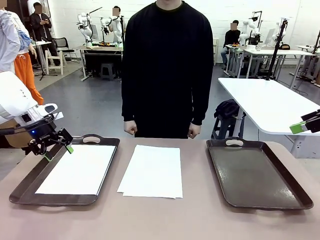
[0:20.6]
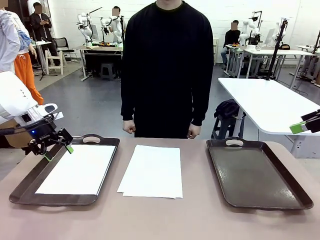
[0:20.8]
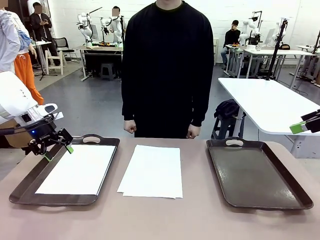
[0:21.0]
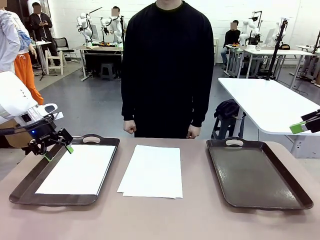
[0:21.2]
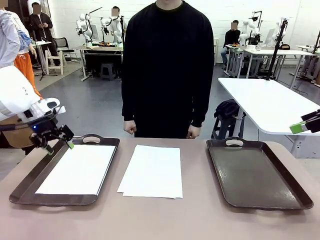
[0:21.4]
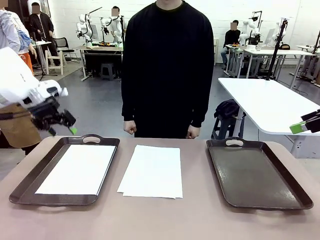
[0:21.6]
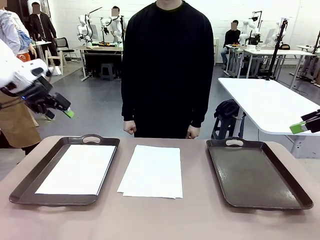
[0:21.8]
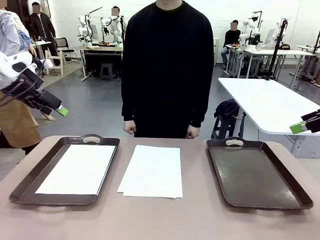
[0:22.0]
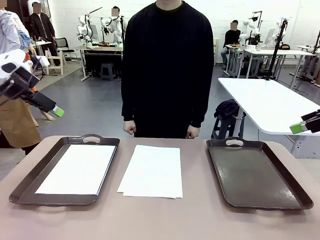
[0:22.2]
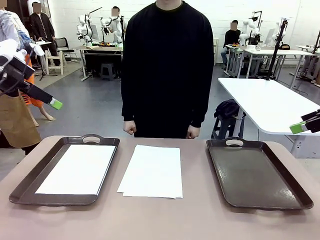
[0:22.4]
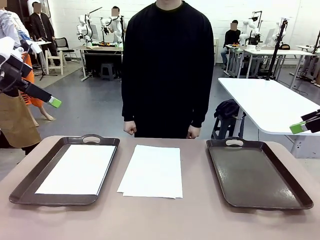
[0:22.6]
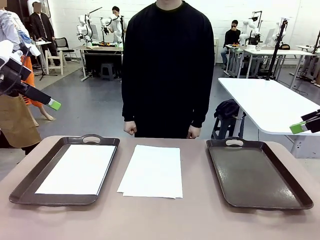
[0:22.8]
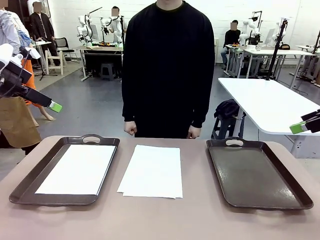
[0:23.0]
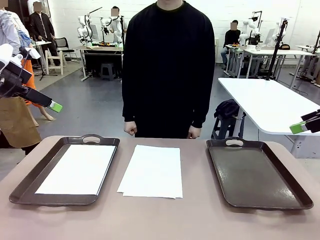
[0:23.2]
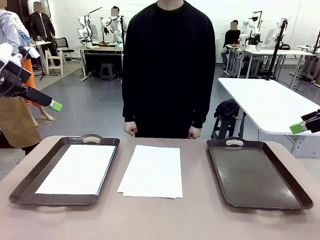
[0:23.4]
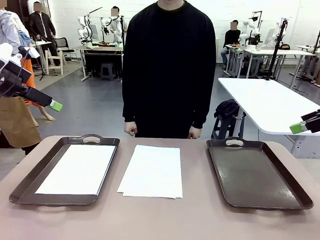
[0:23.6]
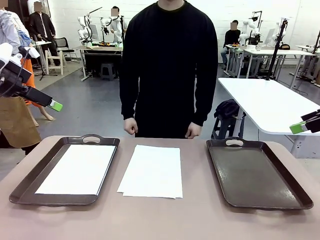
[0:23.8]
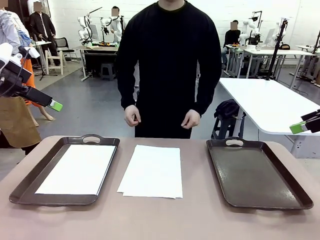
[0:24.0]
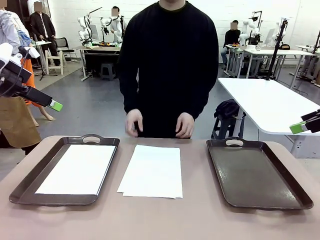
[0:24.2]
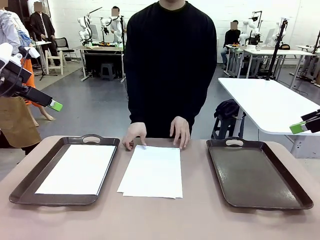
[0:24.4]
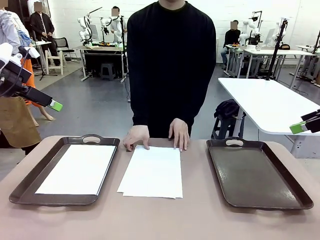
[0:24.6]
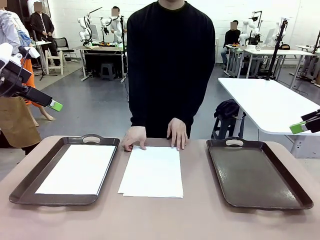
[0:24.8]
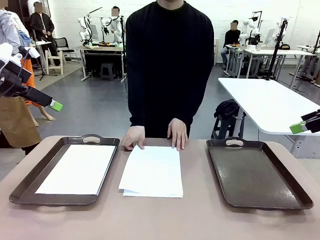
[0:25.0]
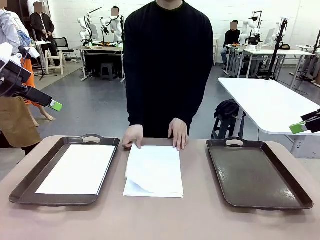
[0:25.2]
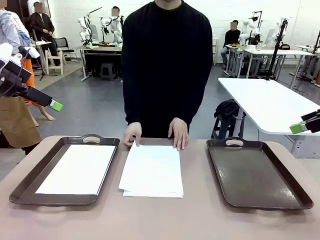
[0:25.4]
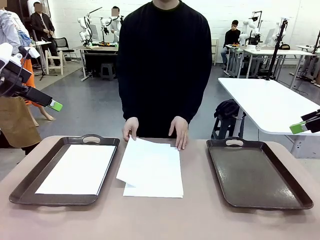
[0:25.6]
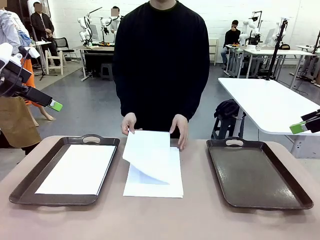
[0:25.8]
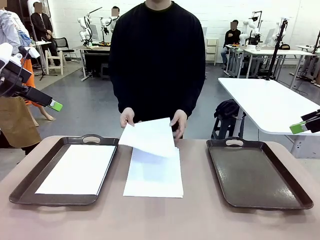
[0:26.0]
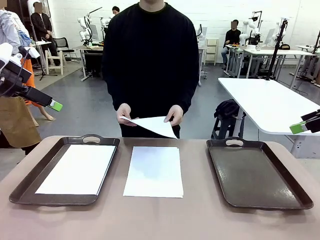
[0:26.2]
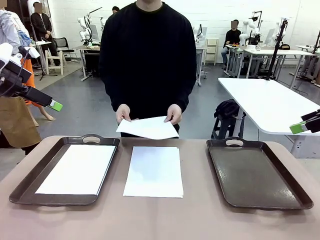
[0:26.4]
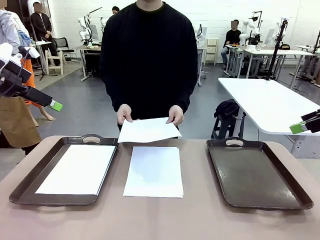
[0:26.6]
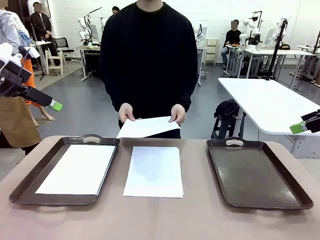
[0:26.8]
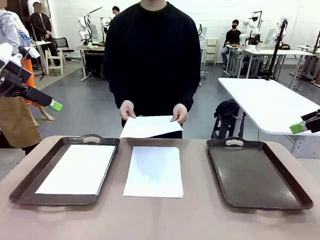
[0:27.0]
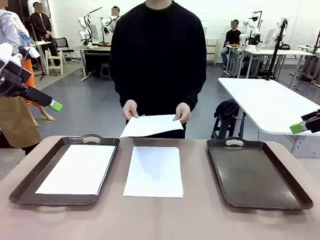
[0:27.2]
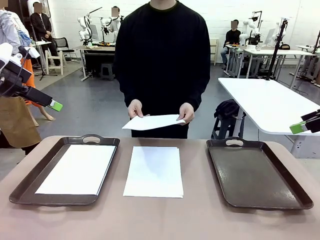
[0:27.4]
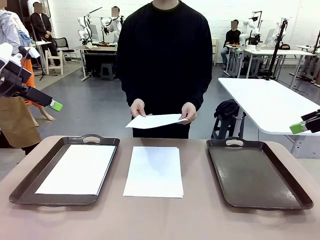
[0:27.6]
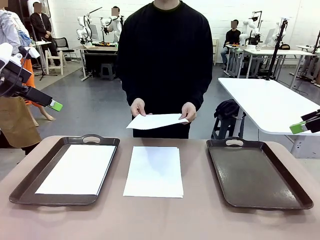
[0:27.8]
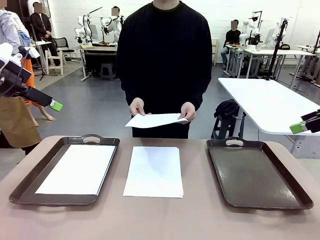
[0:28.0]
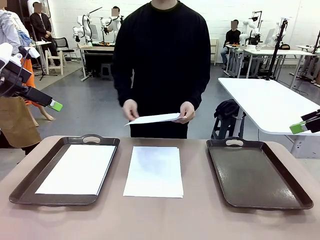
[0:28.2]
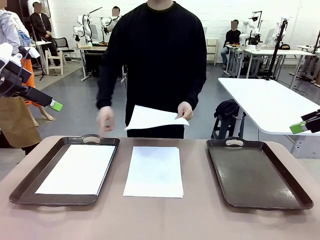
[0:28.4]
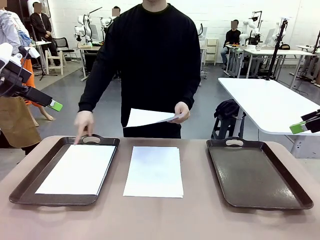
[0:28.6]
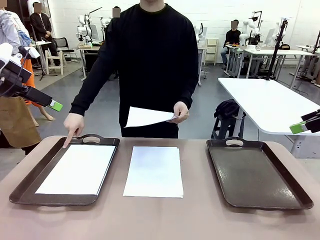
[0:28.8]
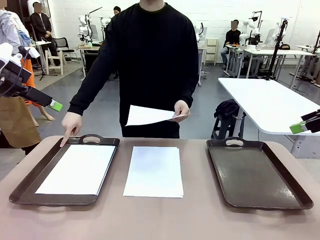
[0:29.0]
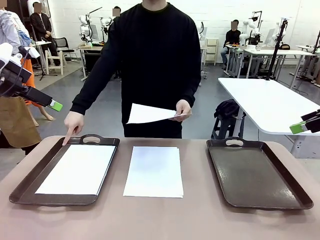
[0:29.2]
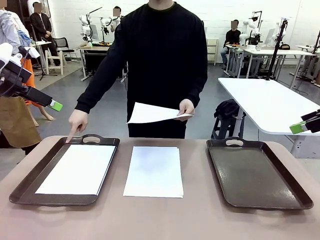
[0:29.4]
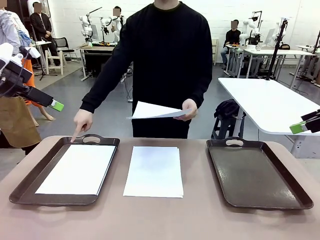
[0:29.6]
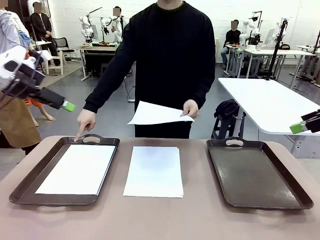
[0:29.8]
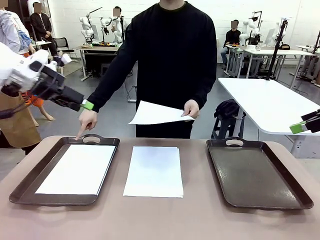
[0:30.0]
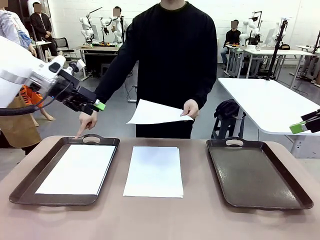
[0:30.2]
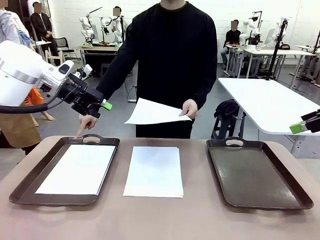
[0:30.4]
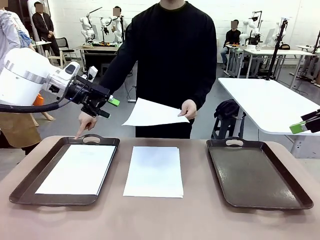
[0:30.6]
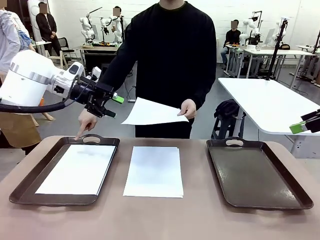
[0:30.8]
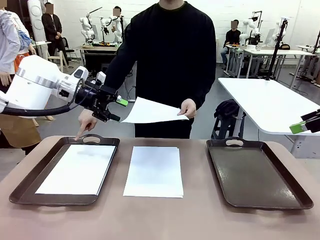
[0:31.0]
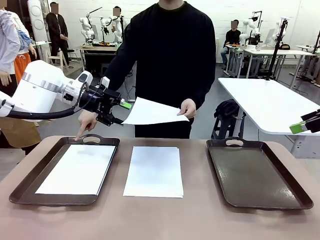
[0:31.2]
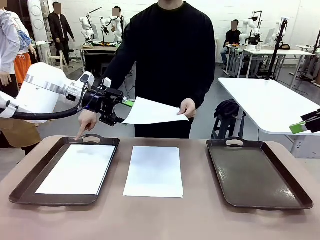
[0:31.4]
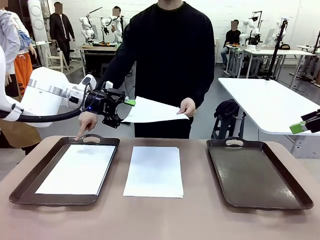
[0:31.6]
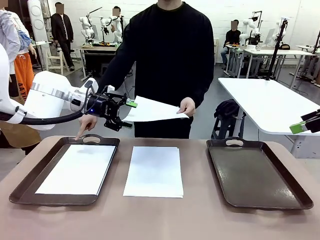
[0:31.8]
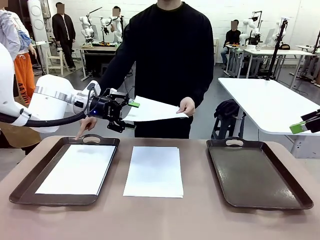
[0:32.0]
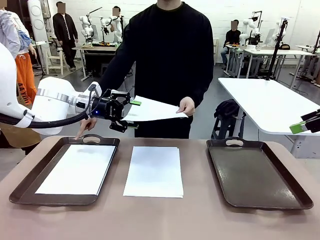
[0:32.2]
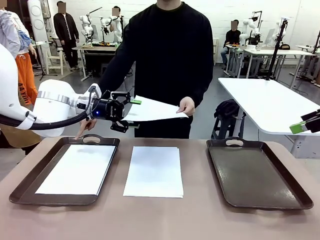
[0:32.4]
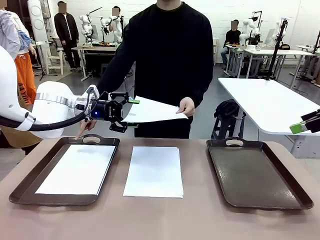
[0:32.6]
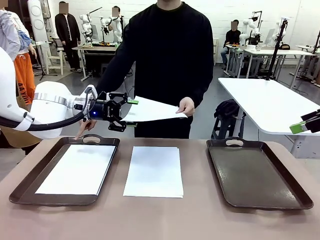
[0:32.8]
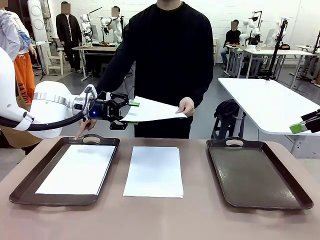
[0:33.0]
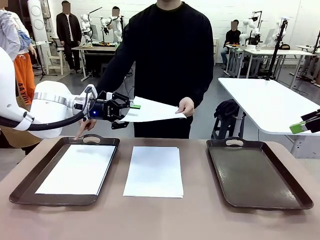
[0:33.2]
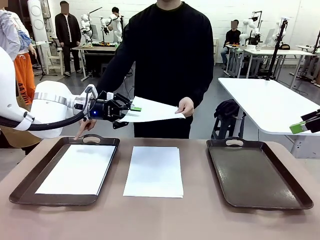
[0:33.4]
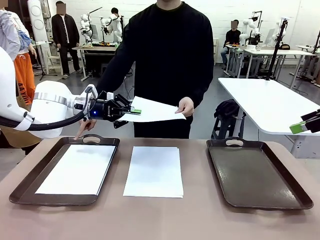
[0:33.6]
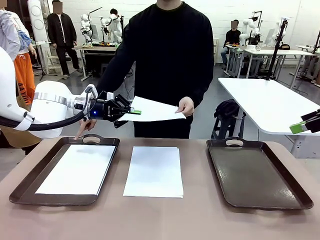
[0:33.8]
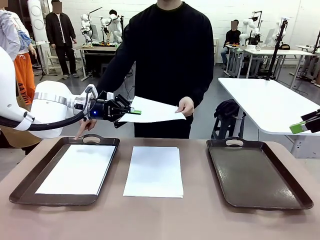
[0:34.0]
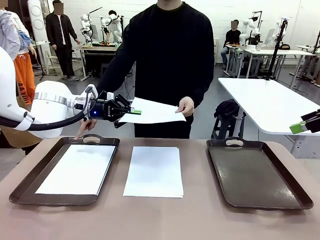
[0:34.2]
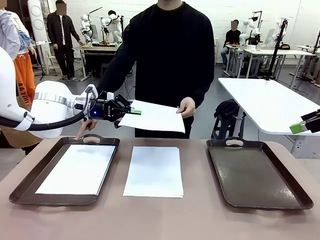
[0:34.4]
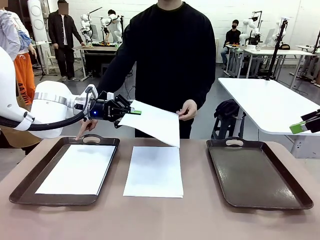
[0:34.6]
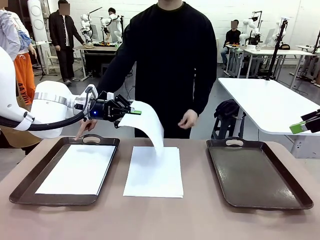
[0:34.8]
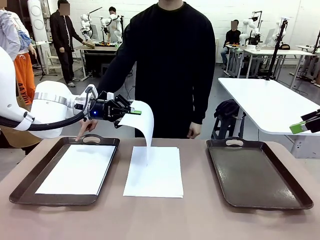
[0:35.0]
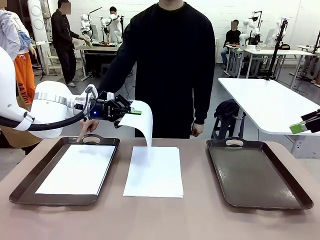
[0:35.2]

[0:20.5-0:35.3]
Task: Sort the A4 documents.
Robot: Receive the A4 Paper.
Person: Point the randomly selected tray with the other hand.

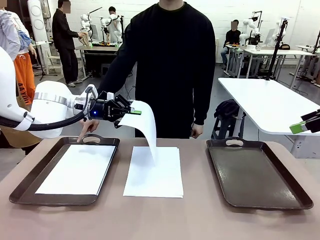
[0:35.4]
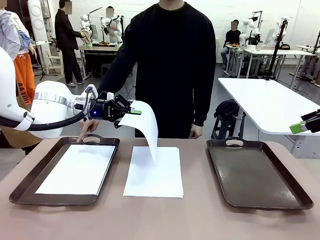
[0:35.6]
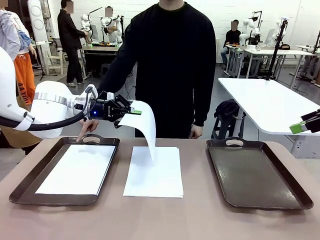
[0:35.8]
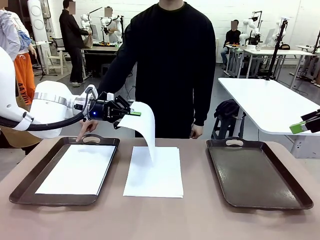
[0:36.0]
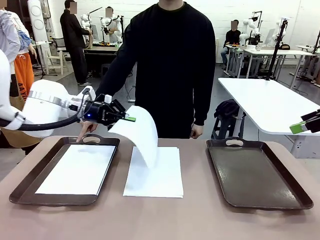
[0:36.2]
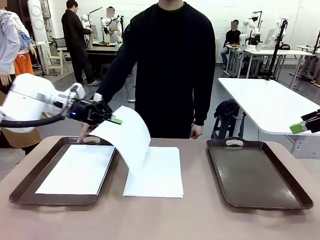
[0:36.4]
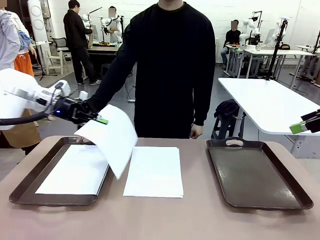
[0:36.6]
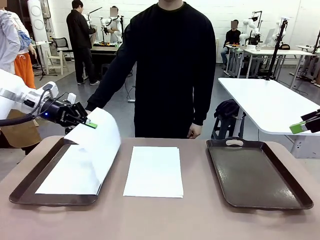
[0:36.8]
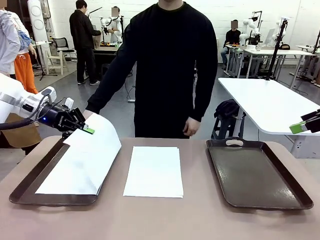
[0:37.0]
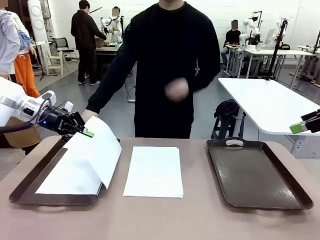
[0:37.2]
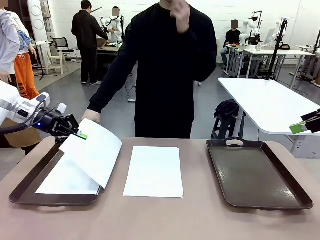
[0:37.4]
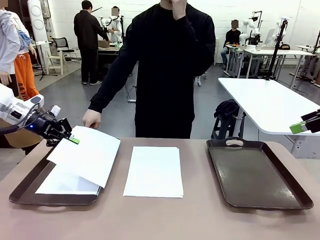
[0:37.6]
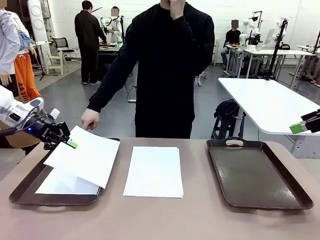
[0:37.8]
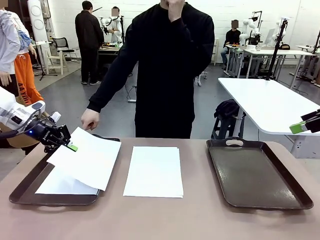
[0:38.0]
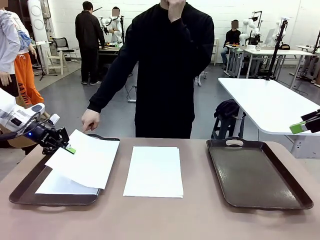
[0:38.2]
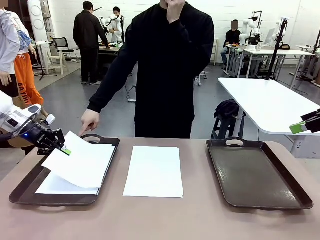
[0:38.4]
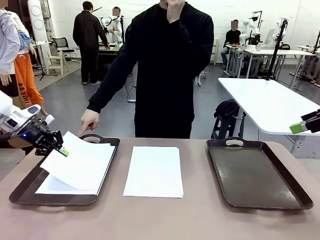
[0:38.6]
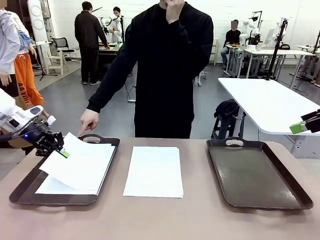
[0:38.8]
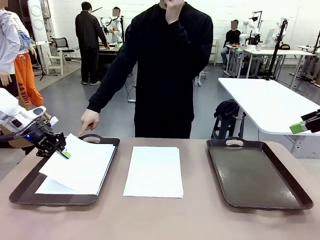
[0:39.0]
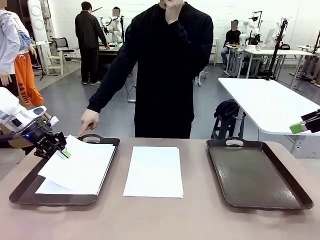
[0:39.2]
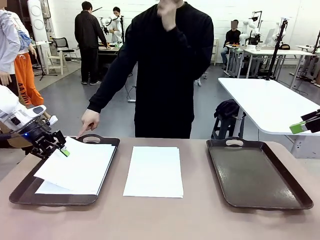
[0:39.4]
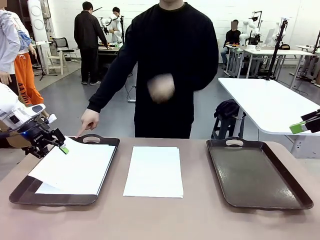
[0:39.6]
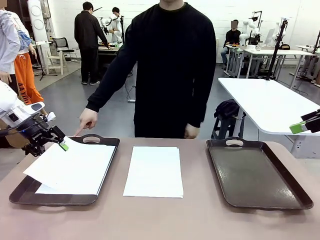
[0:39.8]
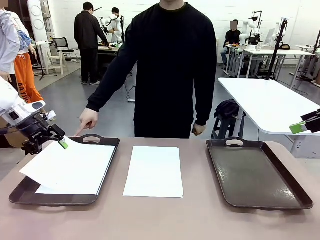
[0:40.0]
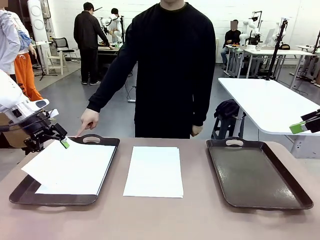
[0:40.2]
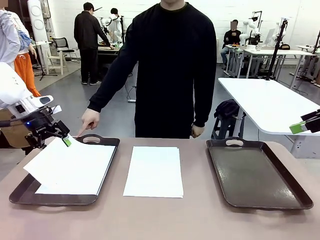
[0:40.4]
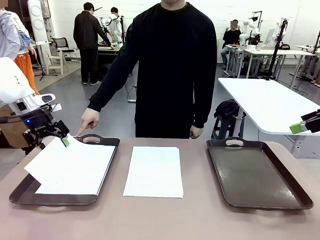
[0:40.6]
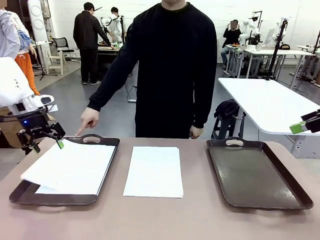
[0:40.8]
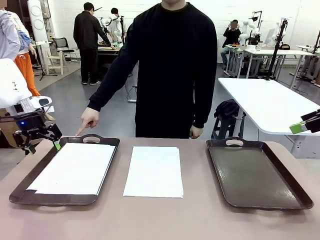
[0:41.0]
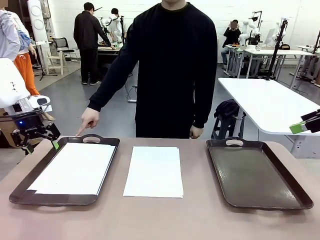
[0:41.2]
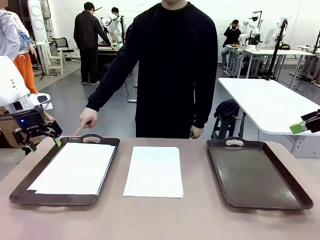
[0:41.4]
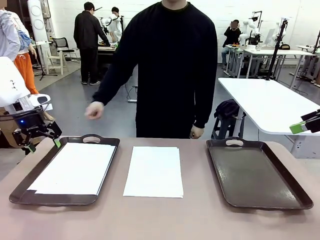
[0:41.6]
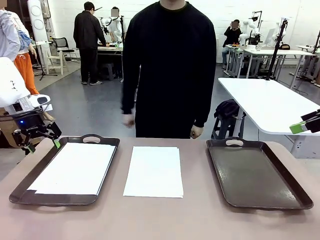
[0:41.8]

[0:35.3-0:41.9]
Robot: Place the A4 Paper in the designated Handle tray.
